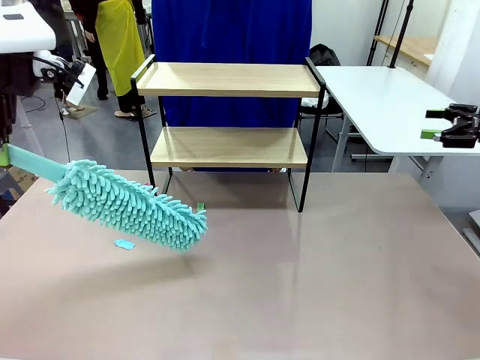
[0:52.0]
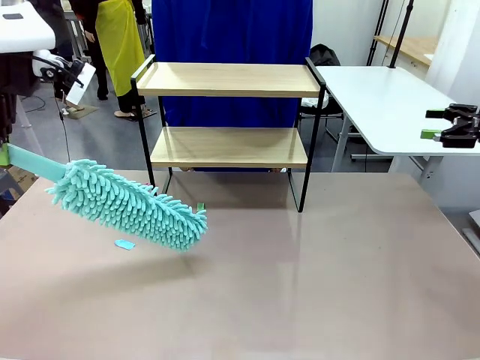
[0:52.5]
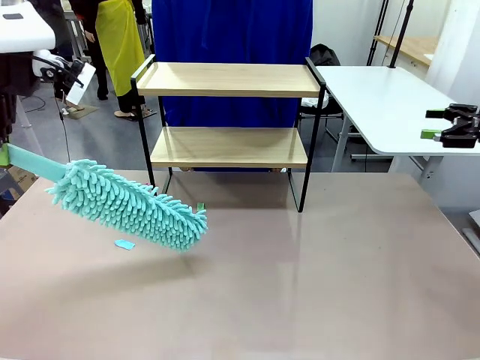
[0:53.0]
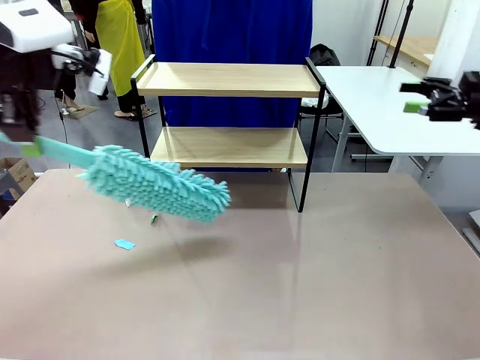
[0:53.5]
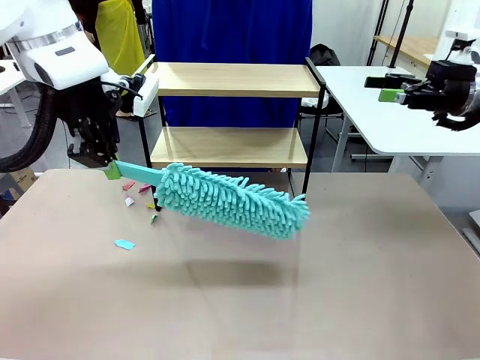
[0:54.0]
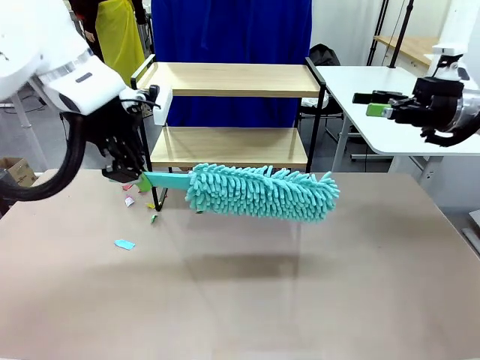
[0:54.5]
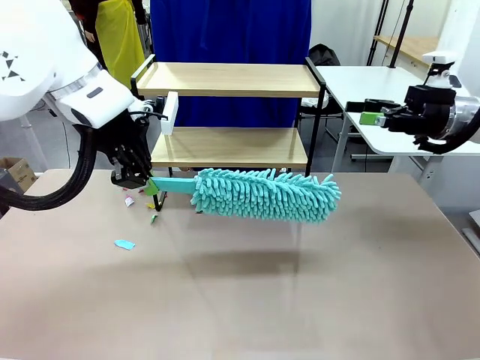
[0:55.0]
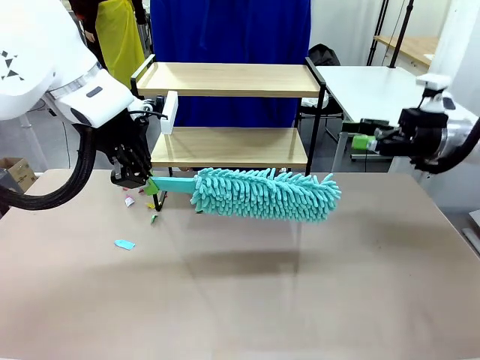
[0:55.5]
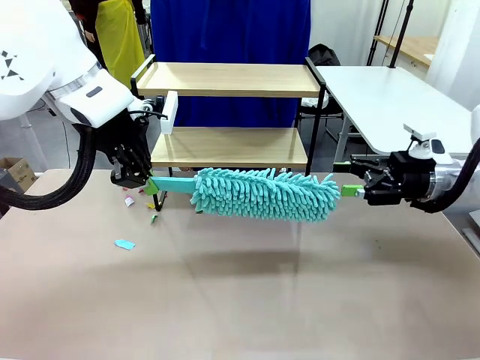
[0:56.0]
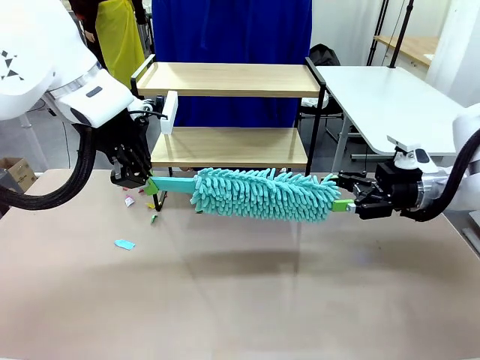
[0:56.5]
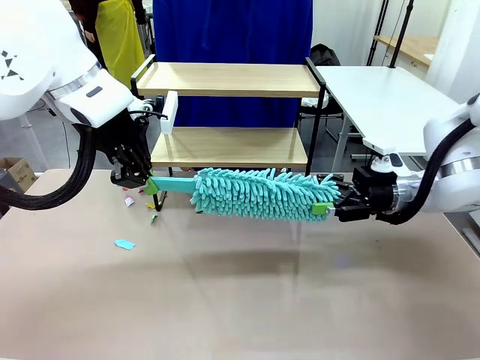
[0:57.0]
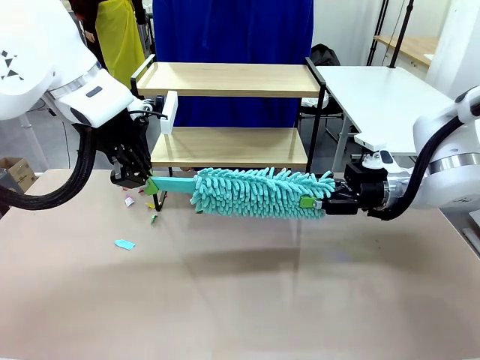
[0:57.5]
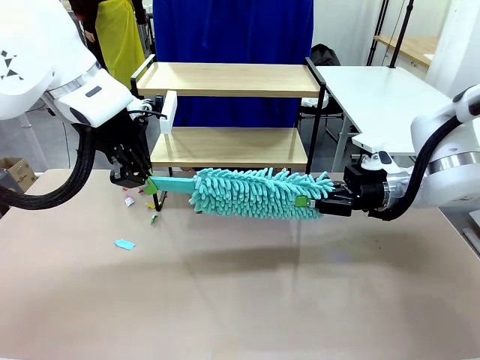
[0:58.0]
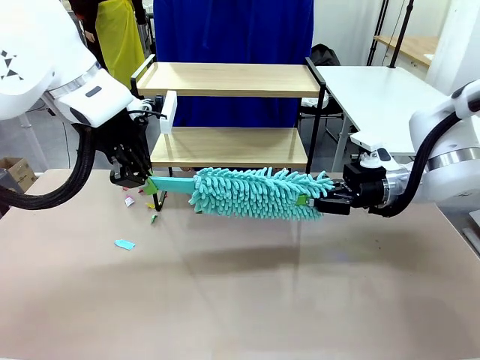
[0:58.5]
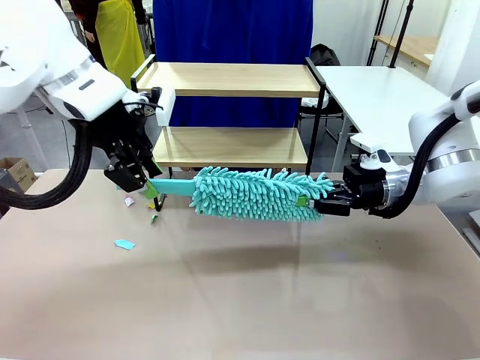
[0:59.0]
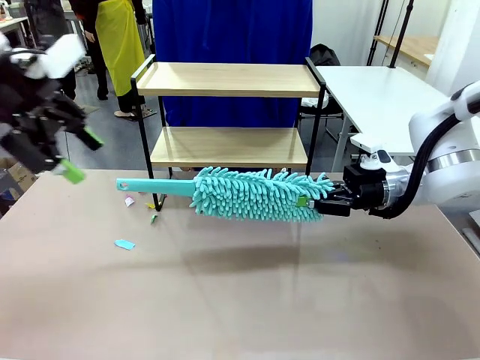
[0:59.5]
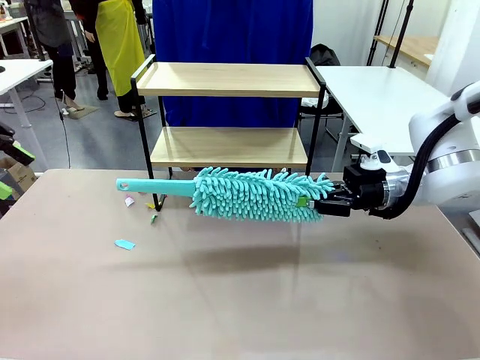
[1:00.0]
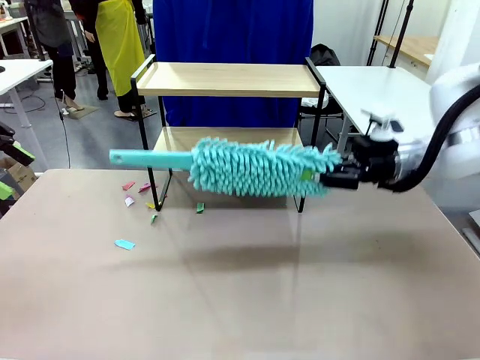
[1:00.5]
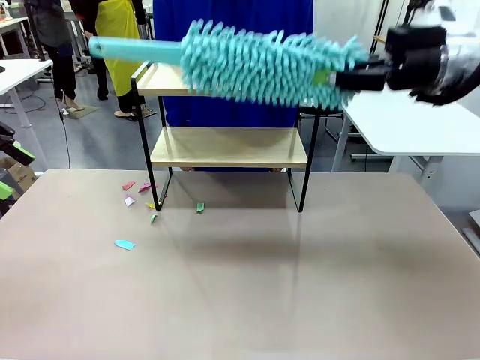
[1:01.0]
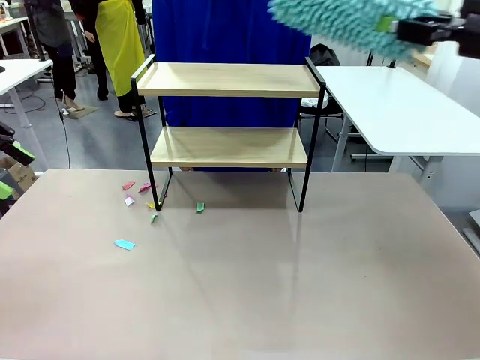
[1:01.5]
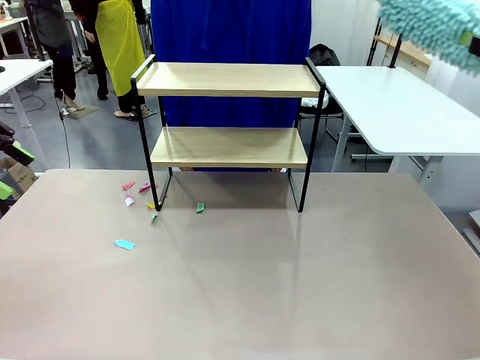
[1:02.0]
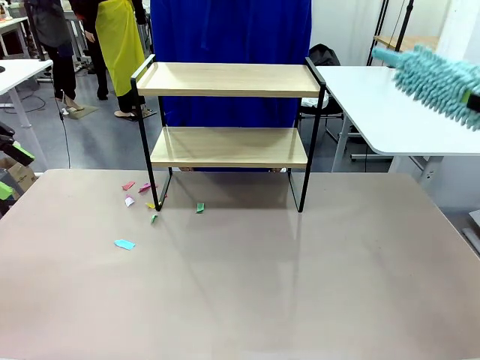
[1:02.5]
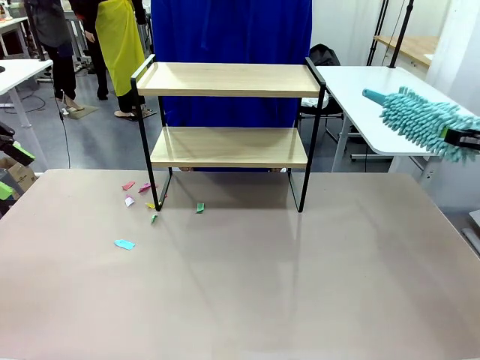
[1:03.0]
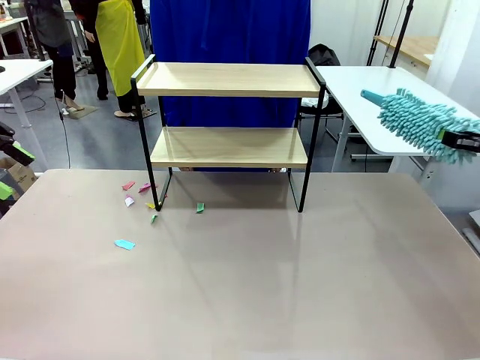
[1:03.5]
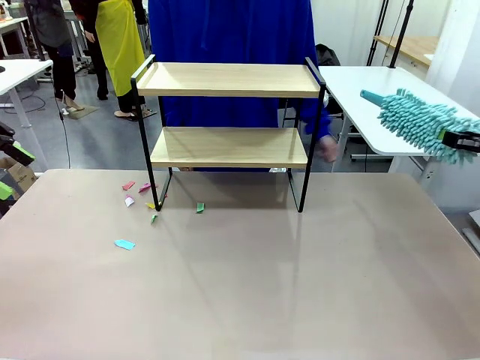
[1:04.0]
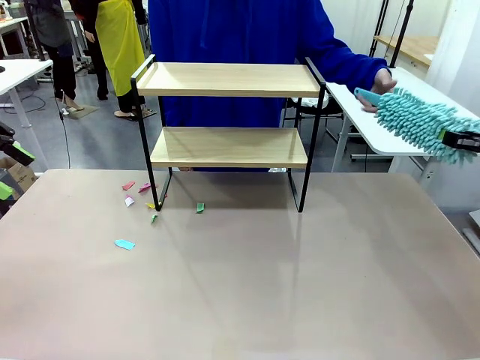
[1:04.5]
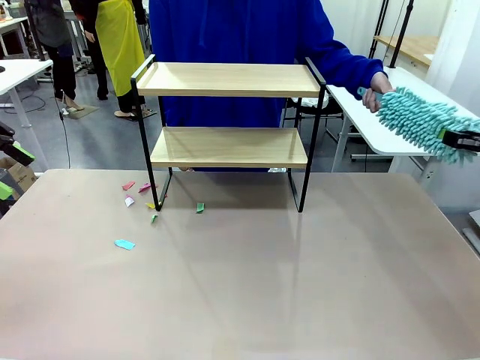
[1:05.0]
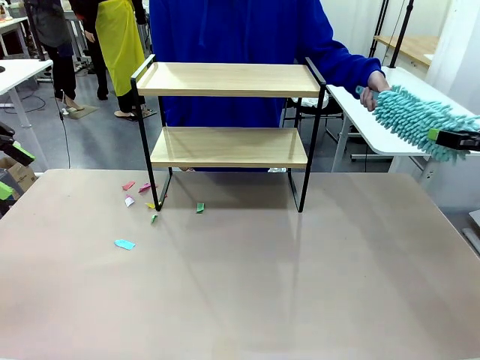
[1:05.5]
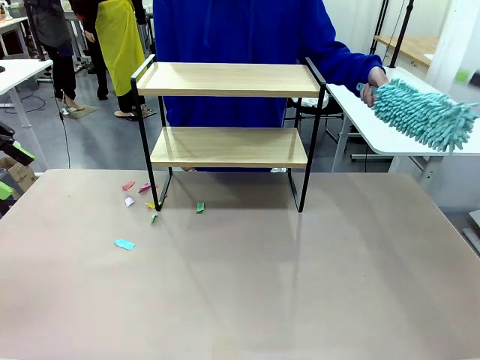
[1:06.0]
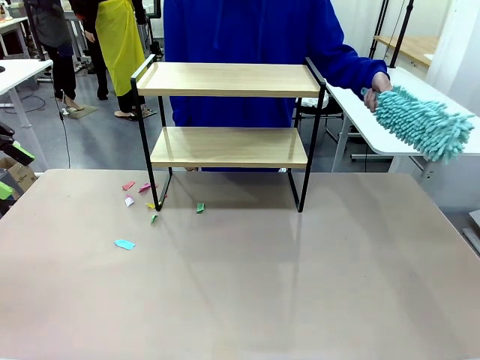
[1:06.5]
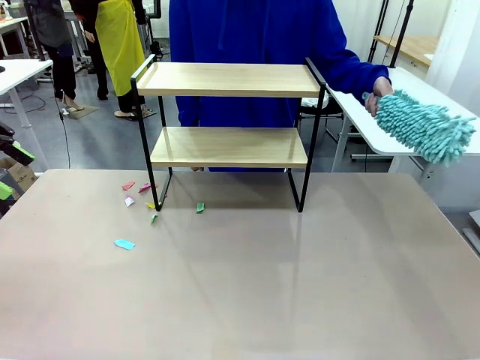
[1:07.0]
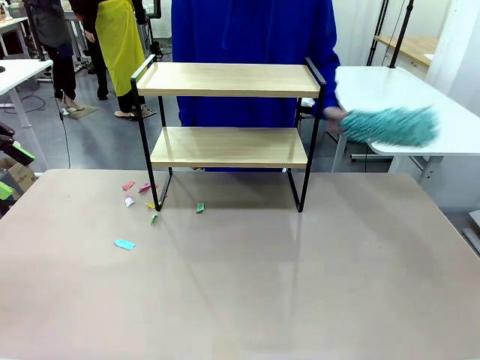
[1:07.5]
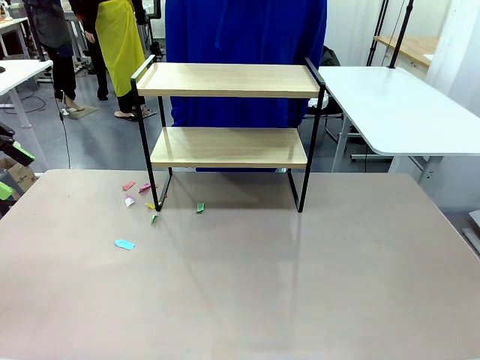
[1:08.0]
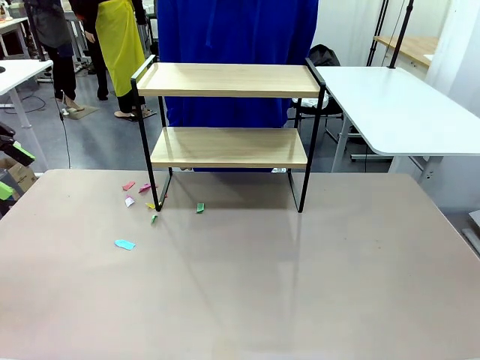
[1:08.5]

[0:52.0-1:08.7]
Task: Clean the shelf.
Robot: Hand the Duster back to the human.
Person: Receive the Duster from the robot.

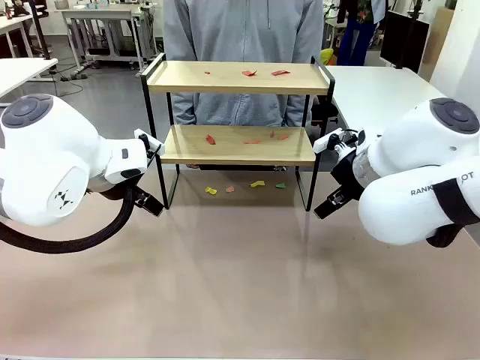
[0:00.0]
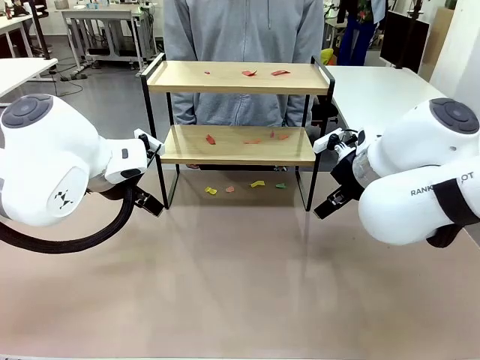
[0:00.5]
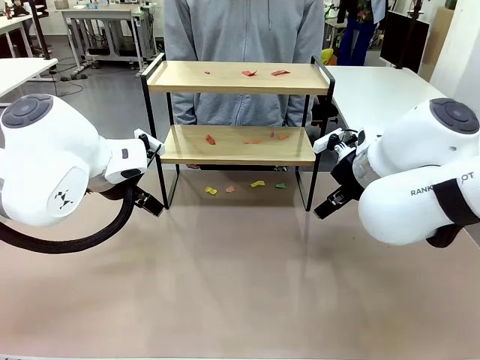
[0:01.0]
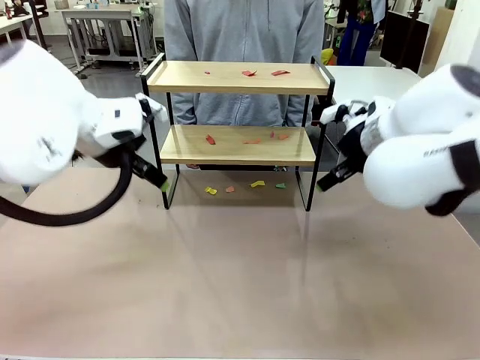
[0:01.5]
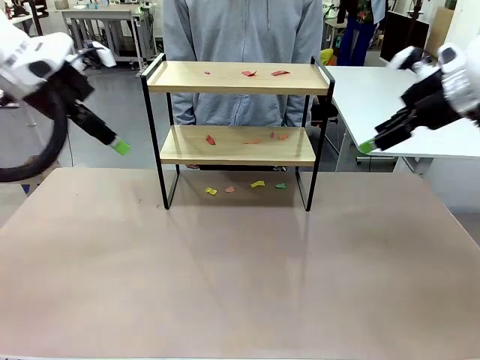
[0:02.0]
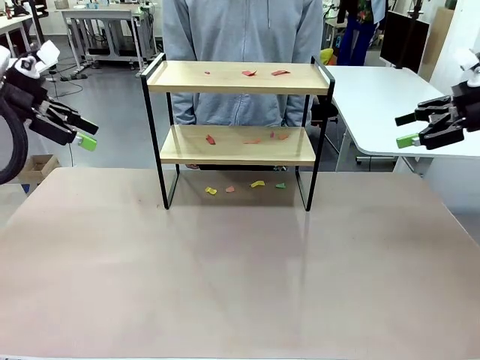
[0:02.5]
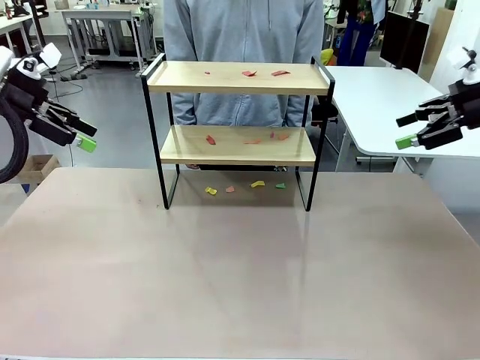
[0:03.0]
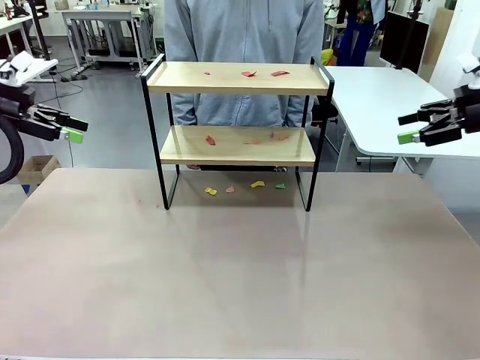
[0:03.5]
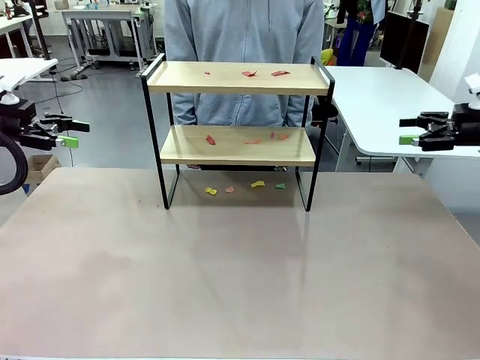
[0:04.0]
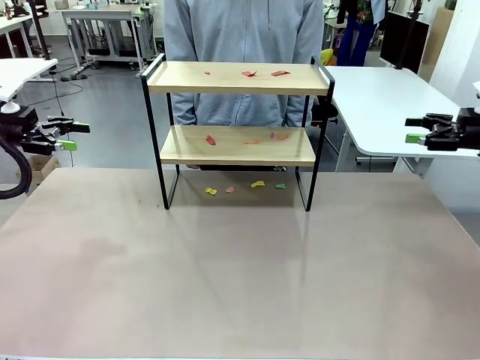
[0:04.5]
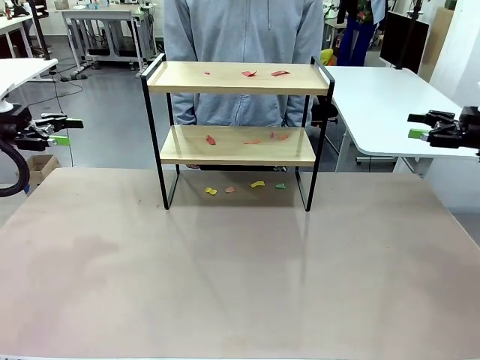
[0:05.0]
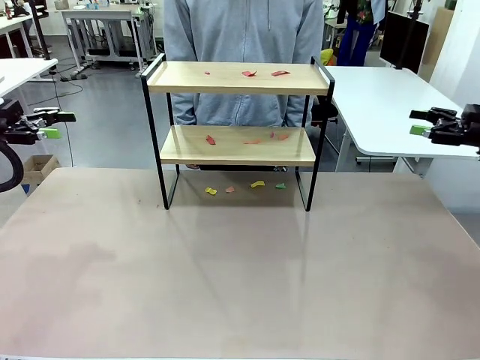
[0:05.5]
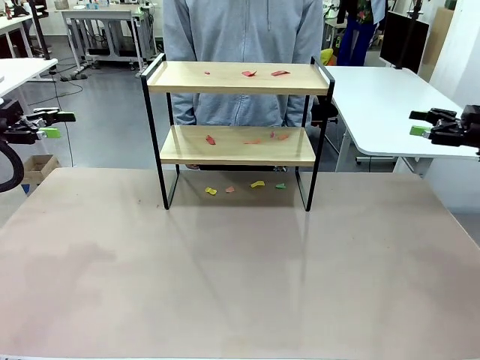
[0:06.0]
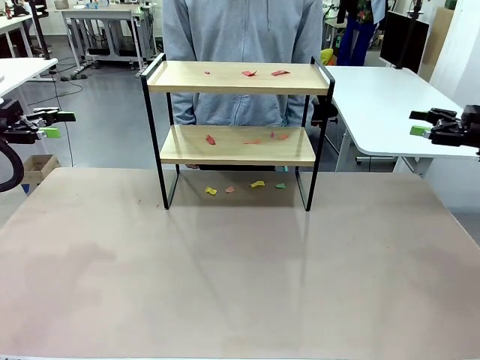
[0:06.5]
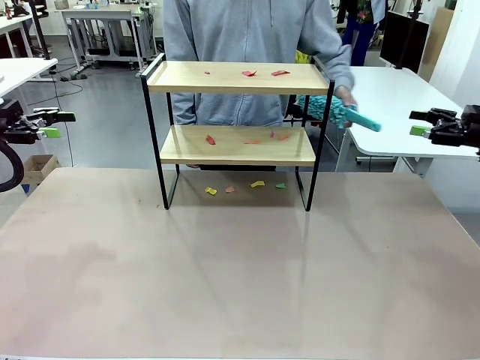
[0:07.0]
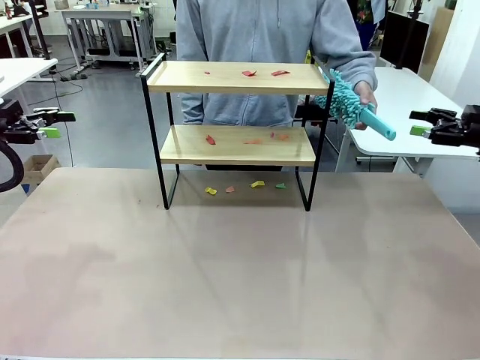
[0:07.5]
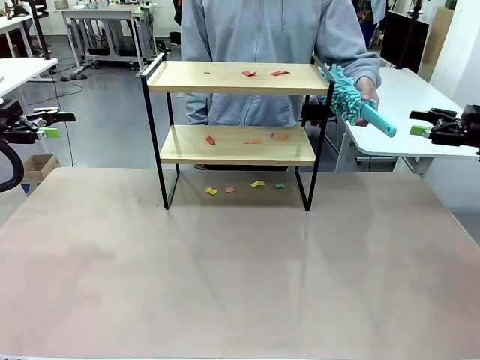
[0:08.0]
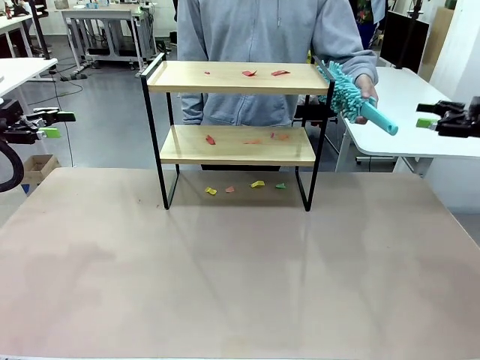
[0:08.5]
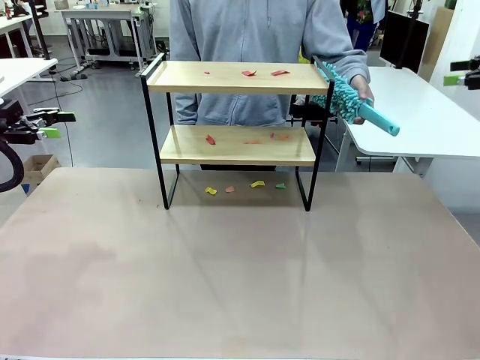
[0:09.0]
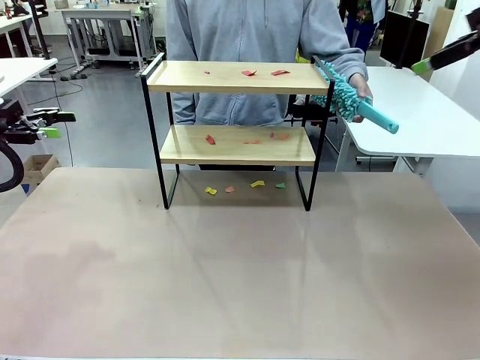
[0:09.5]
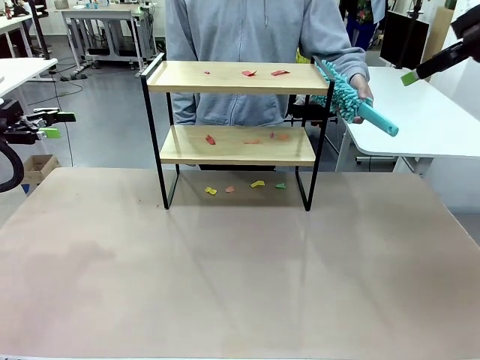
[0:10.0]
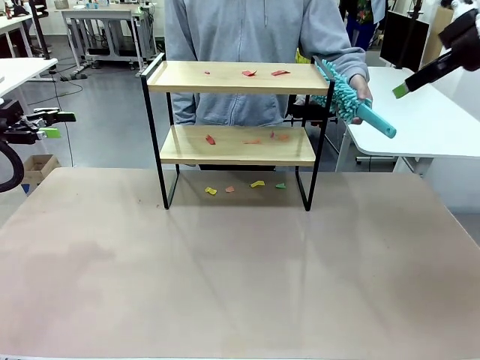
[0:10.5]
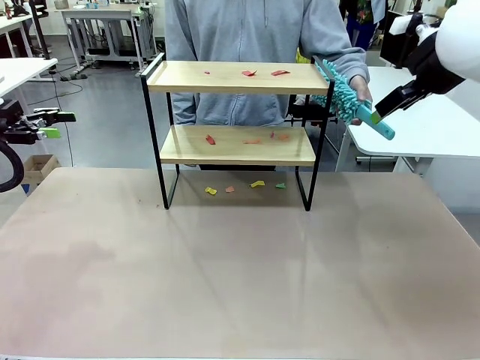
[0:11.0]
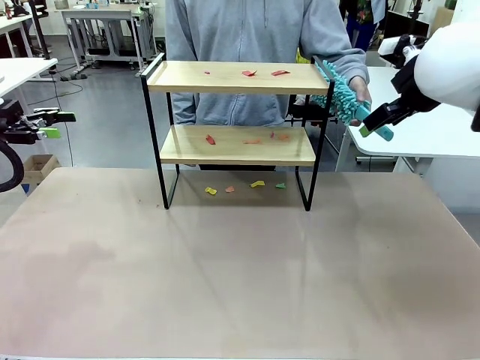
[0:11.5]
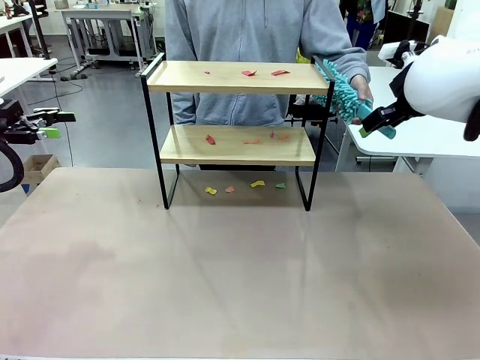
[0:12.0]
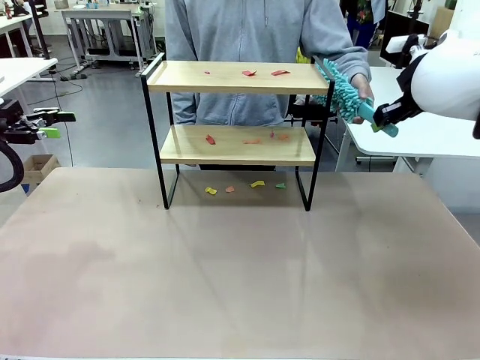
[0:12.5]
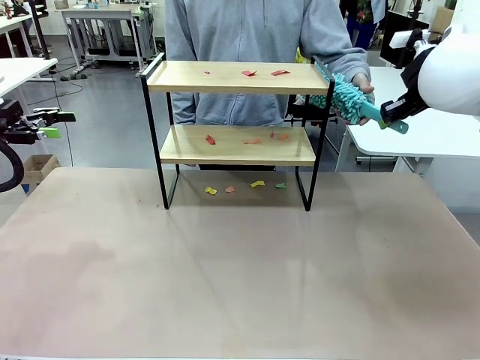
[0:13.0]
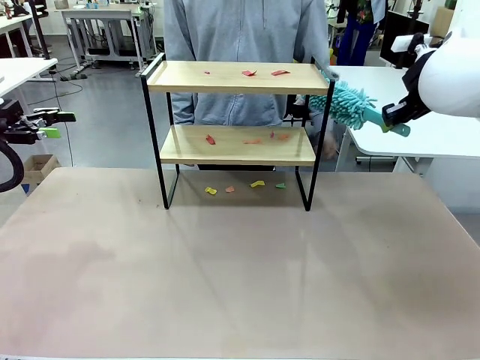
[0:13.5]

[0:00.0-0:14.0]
Task: Clean the shelf.
Robot: Pick up the Duster handed by the human.
Person: Hand the Duster to the robot.
